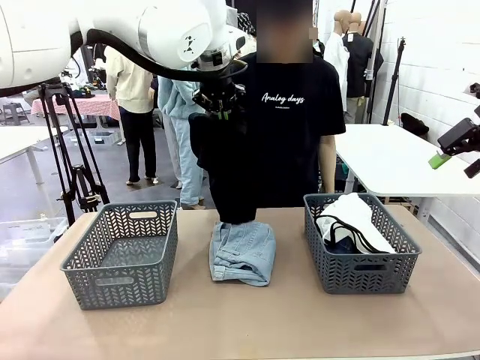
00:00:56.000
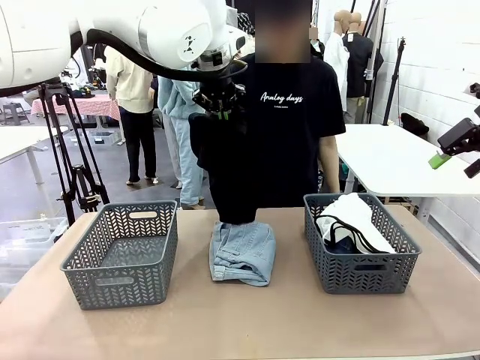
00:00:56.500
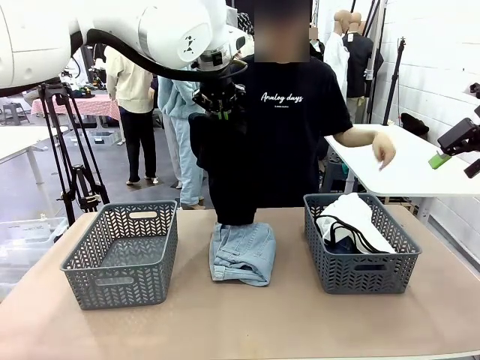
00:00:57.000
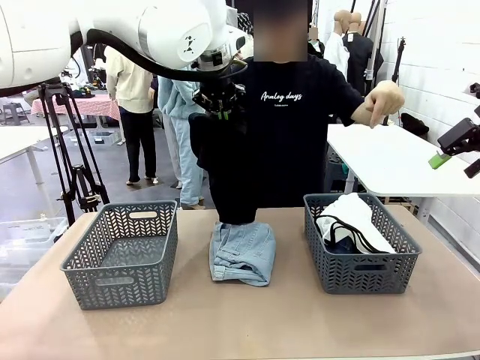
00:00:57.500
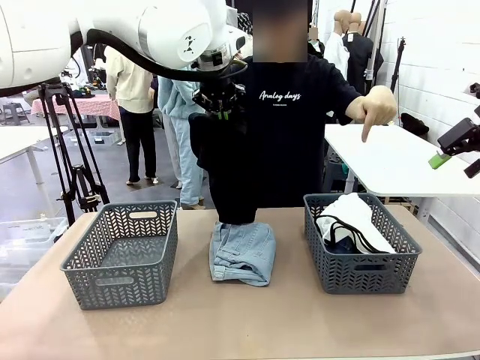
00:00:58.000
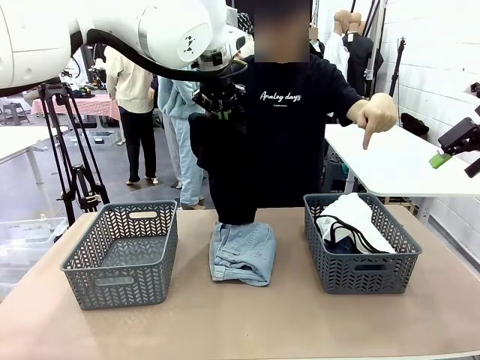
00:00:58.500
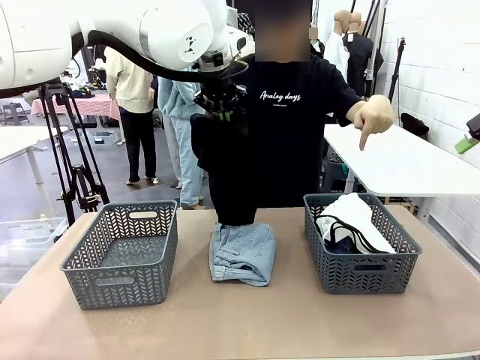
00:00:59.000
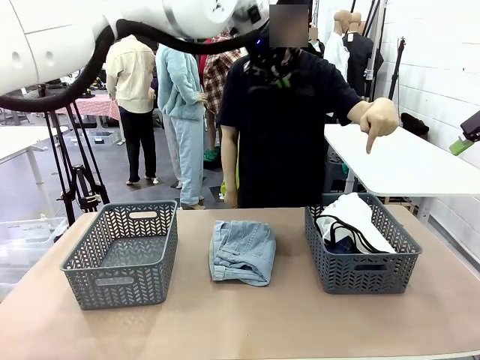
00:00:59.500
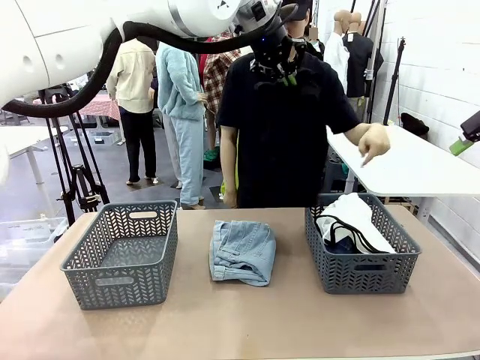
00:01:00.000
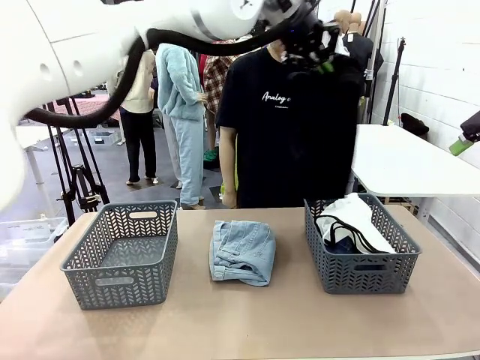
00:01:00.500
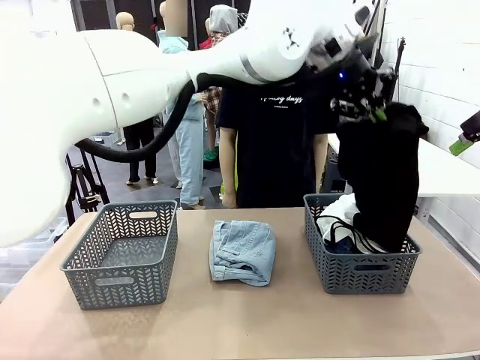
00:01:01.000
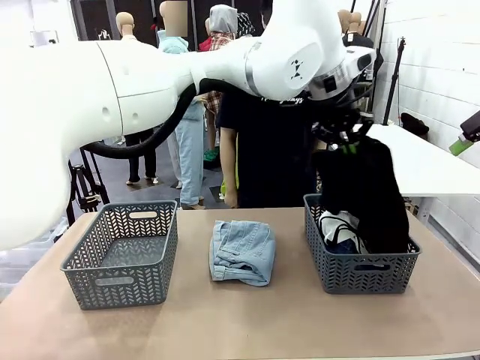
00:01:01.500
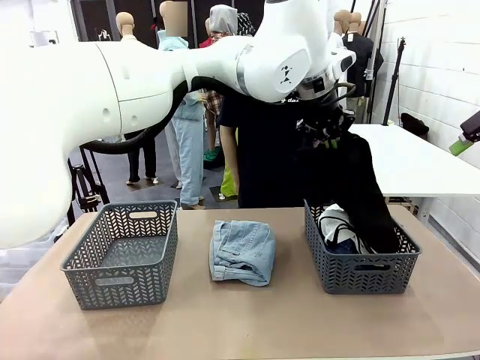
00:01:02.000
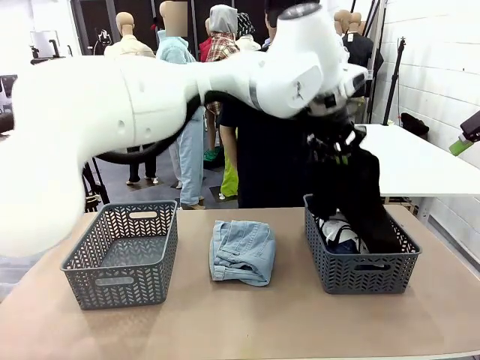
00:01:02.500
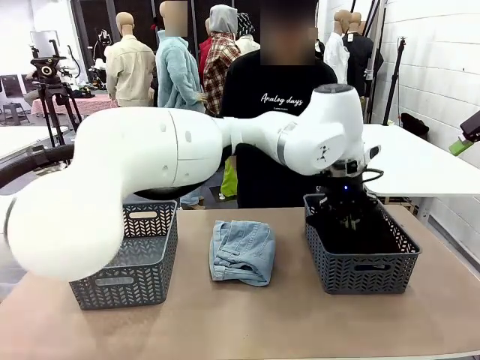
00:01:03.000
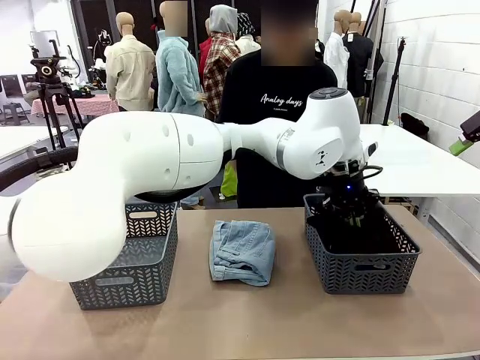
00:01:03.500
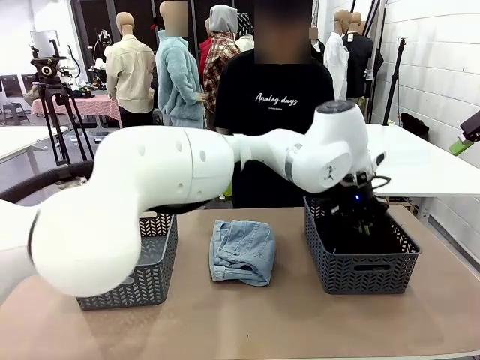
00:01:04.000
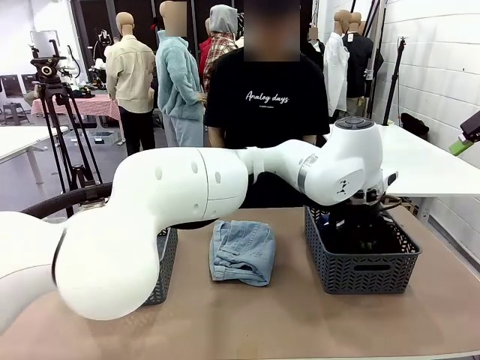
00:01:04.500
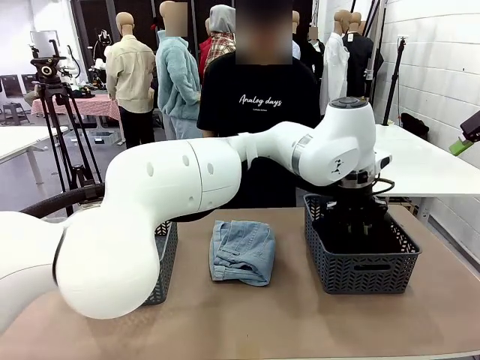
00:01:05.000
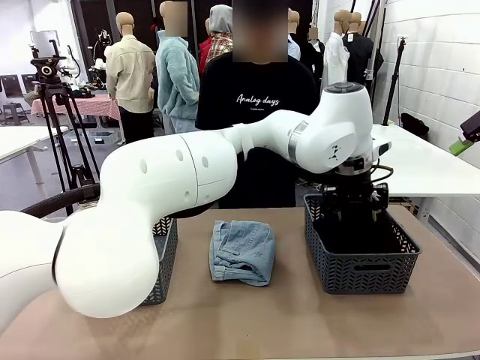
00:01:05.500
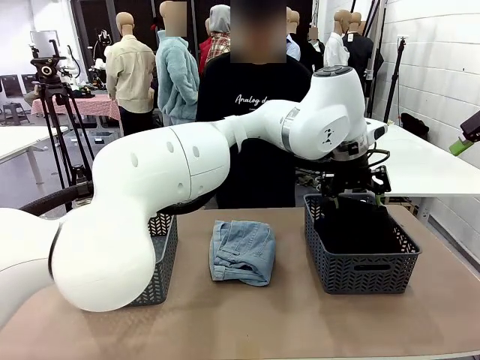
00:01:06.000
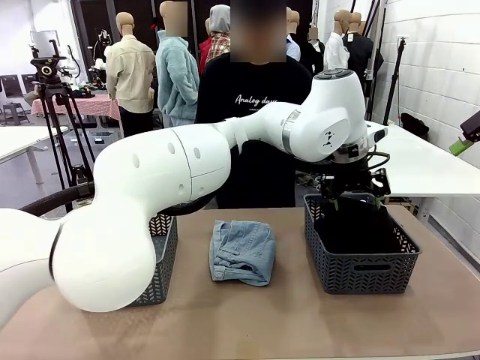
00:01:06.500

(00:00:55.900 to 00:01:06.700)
Task: Sort the tops and bottoms.
Robot: Sort the clothes according to human instructions.

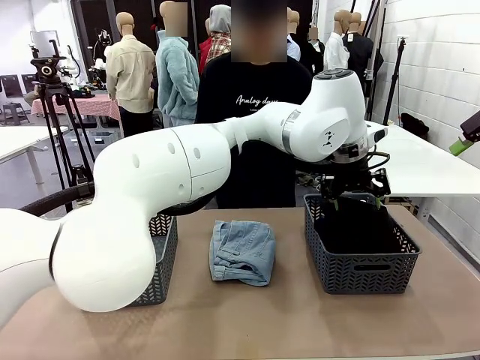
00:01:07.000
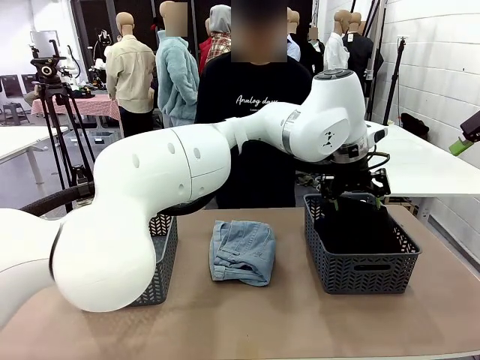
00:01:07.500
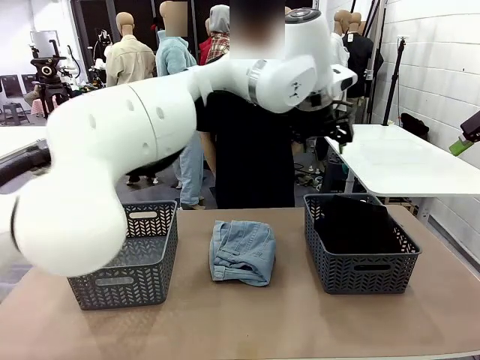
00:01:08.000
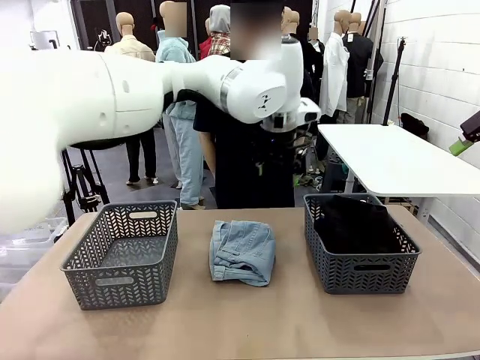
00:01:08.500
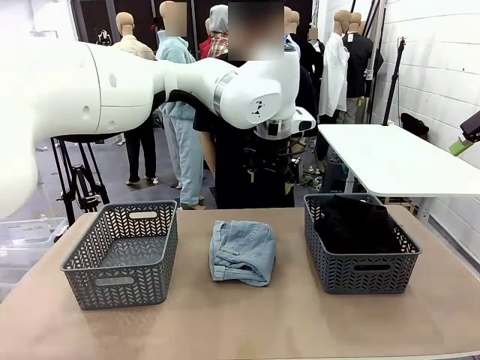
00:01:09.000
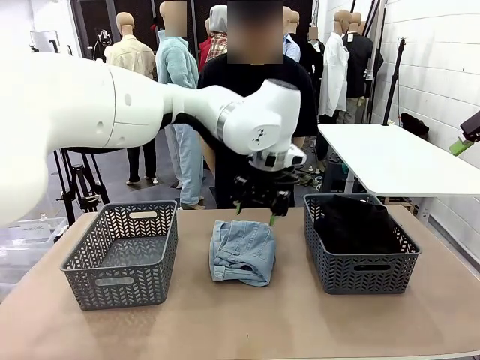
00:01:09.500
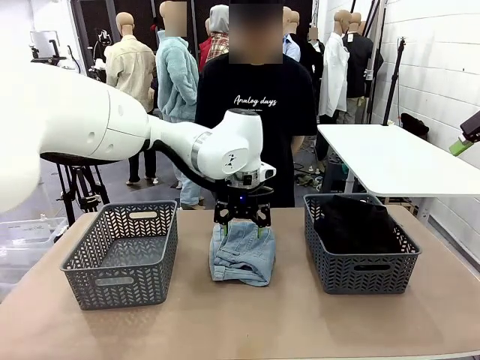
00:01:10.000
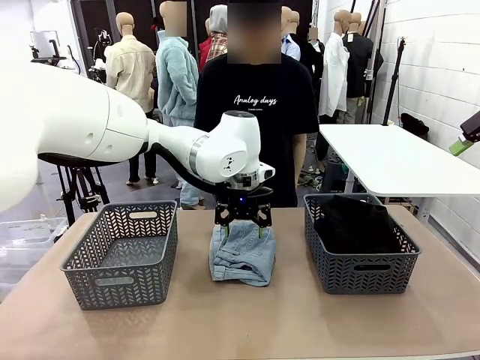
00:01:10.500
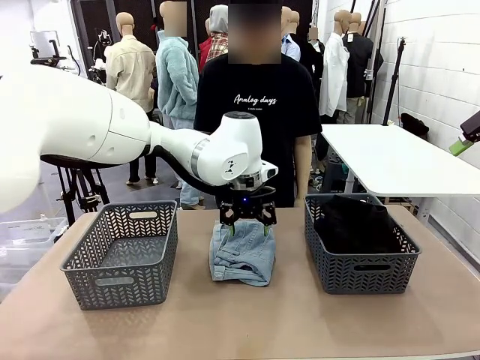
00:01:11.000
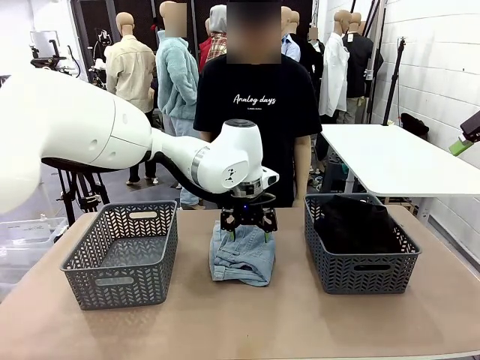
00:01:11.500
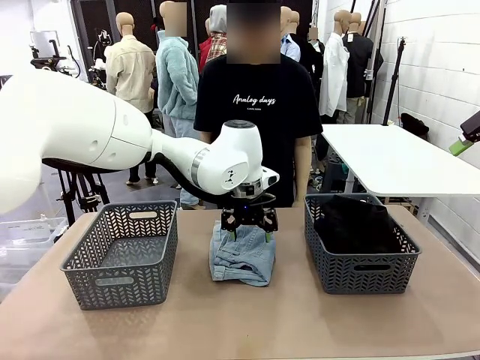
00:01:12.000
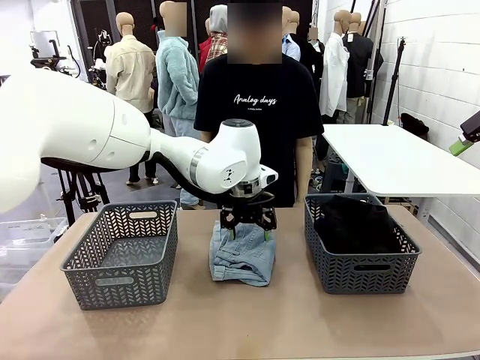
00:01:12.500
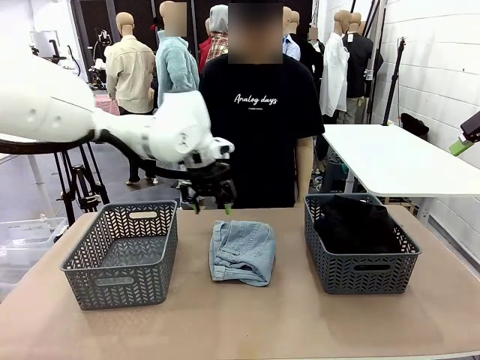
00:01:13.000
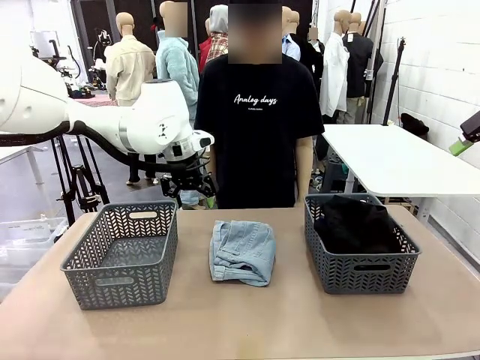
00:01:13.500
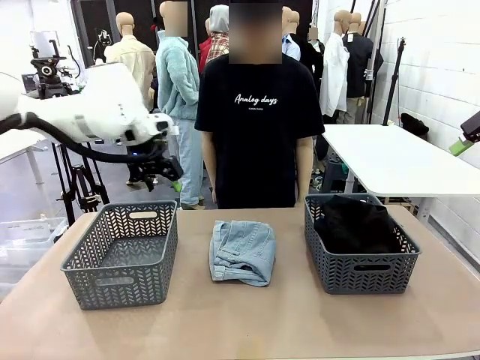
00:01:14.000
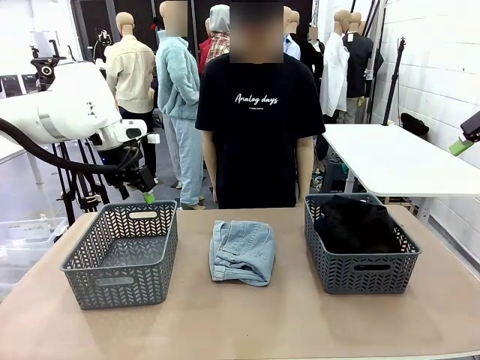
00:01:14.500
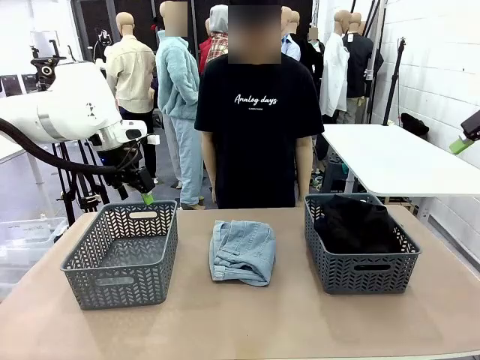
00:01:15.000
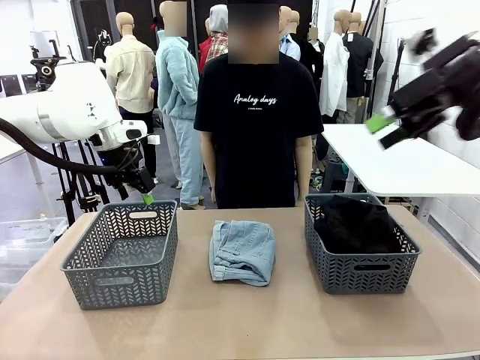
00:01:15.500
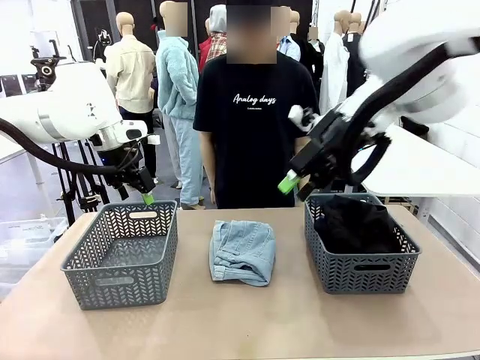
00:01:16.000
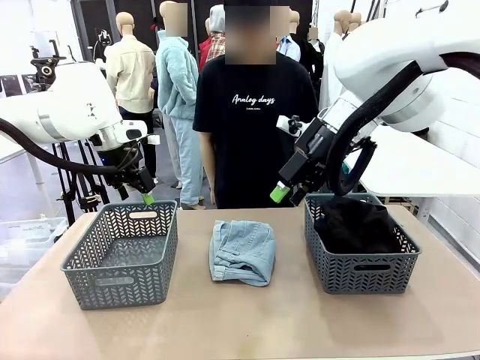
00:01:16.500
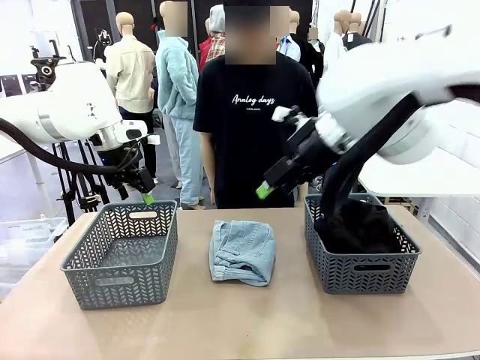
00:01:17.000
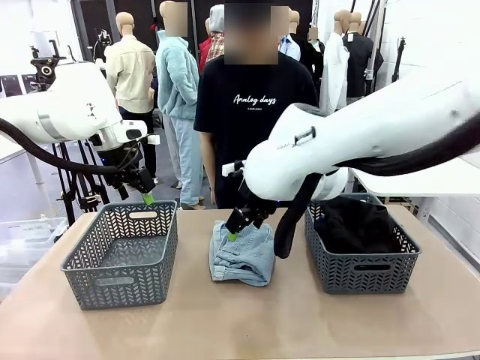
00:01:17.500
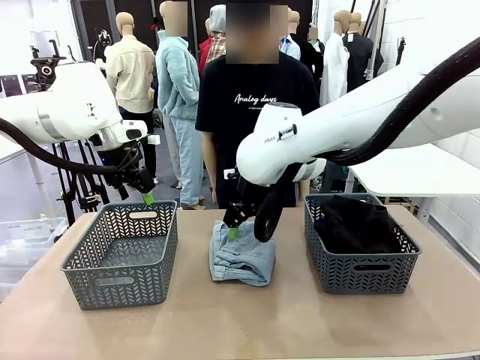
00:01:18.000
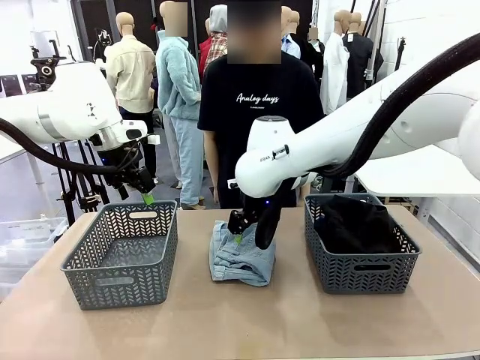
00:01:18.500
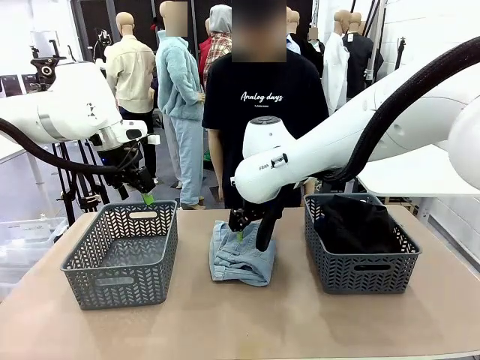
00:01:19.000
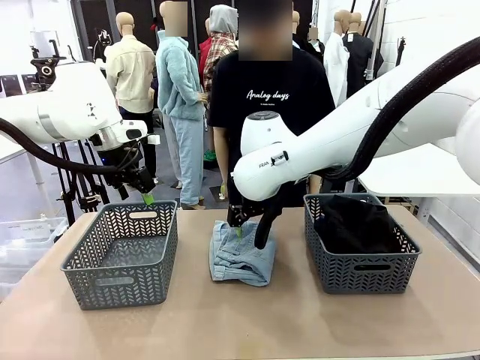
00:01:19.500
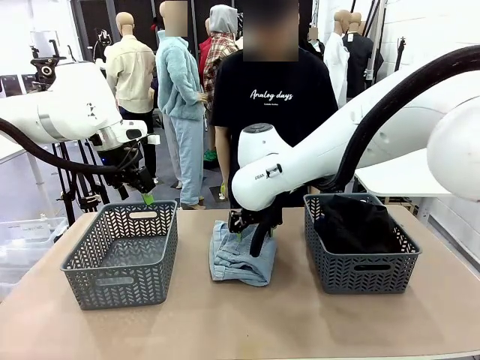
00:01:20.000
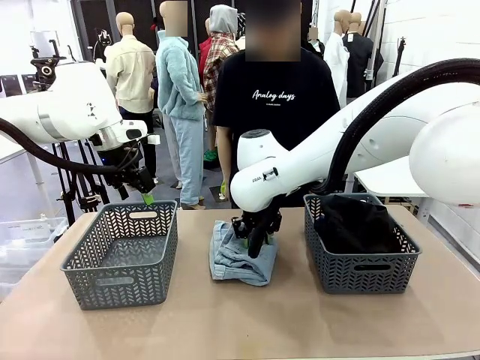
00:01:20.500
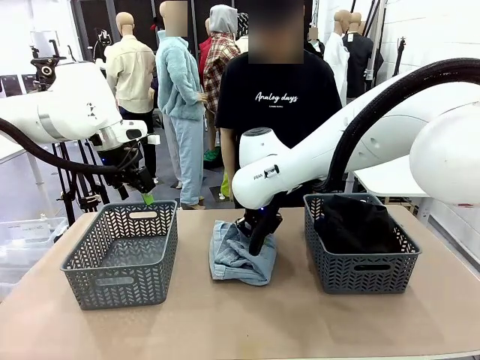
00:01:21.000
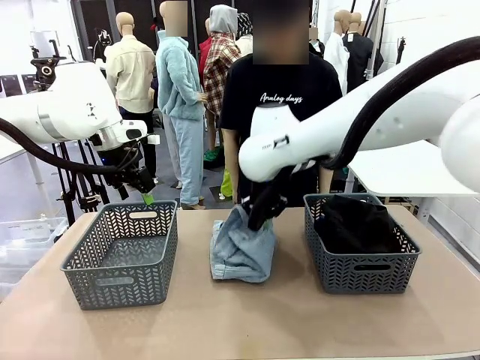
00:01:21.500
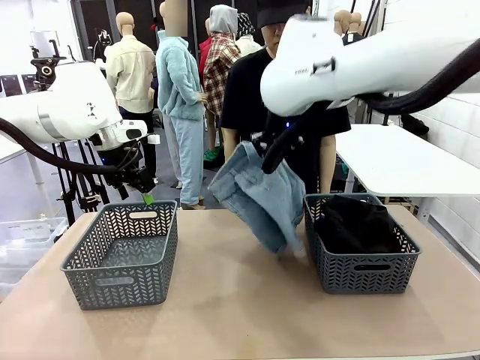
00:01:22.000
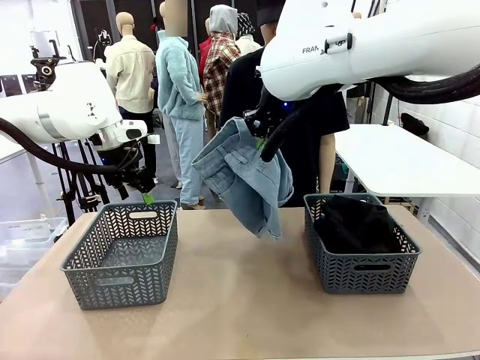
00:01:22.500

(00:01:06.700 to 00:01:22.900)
Robot: Lift clothes from the center of the table with your right hand.
